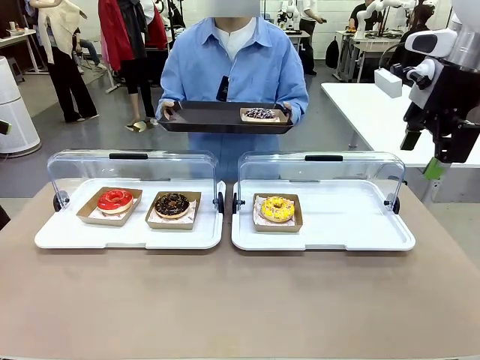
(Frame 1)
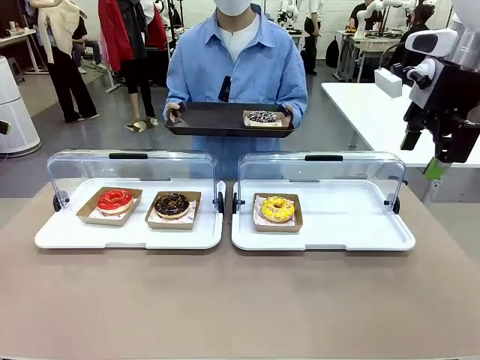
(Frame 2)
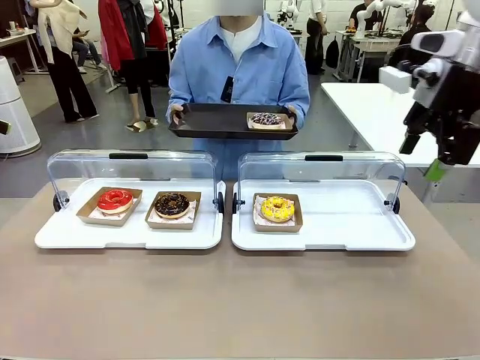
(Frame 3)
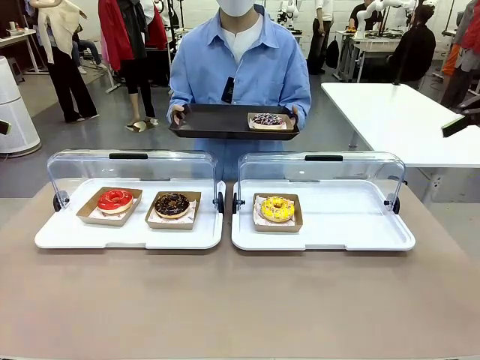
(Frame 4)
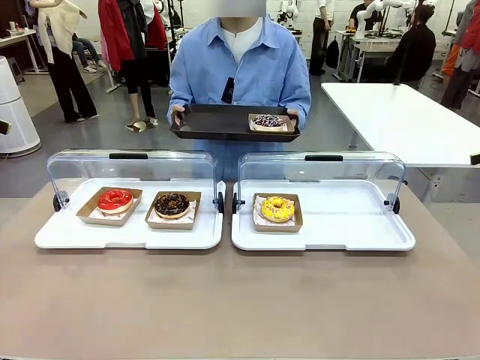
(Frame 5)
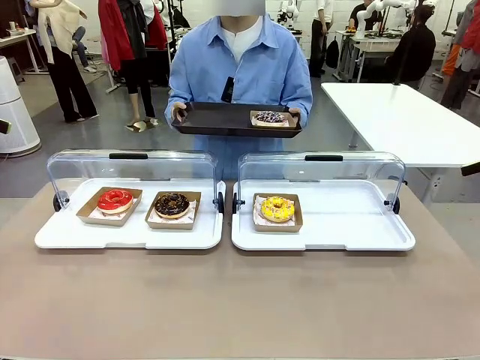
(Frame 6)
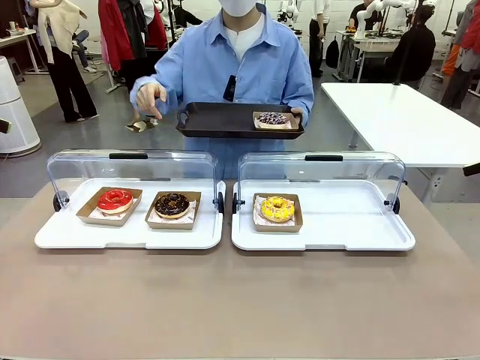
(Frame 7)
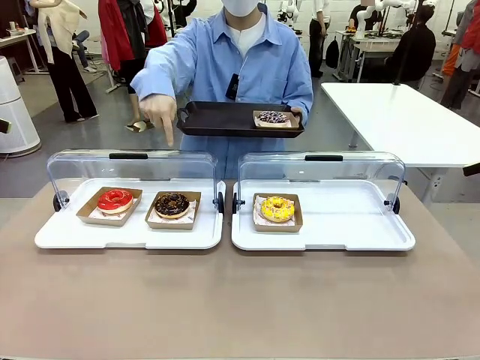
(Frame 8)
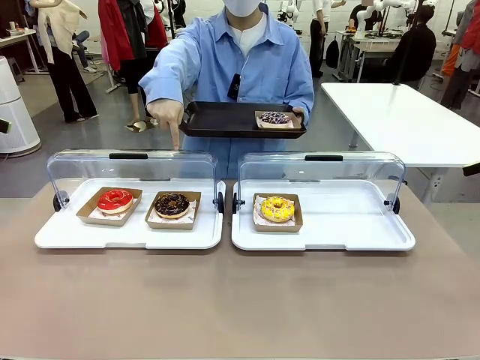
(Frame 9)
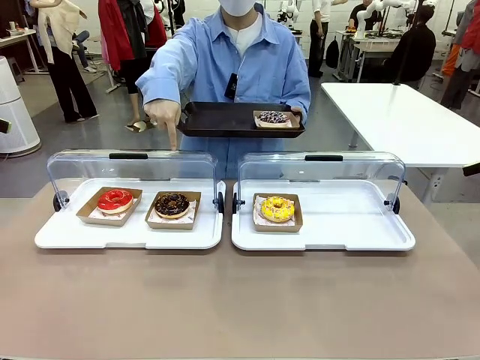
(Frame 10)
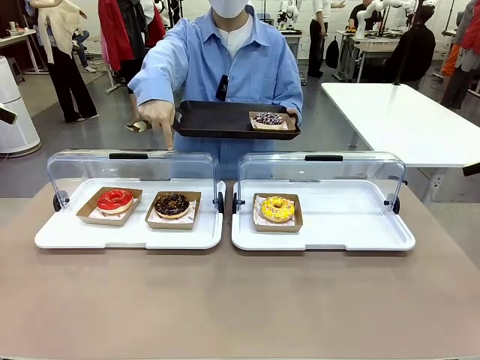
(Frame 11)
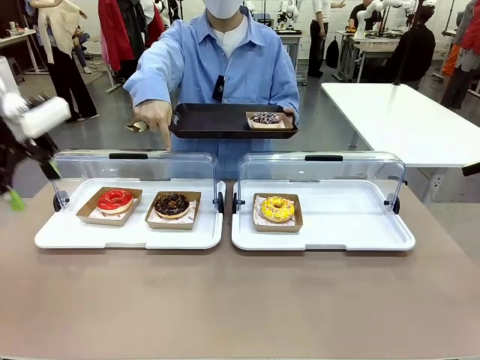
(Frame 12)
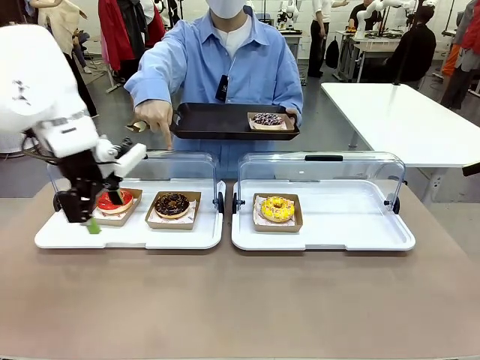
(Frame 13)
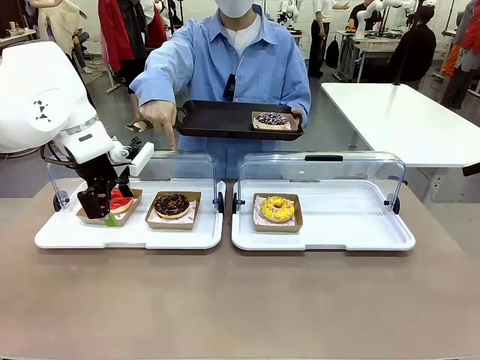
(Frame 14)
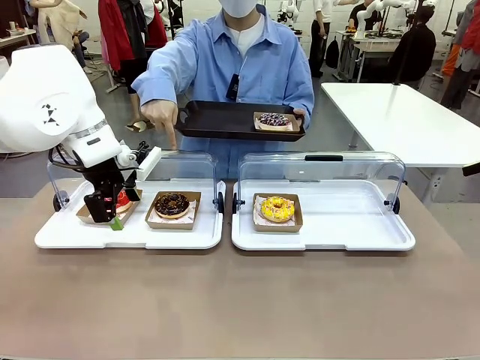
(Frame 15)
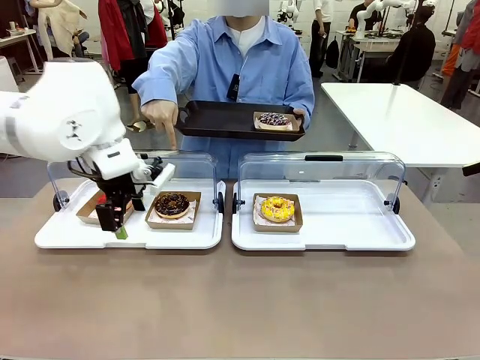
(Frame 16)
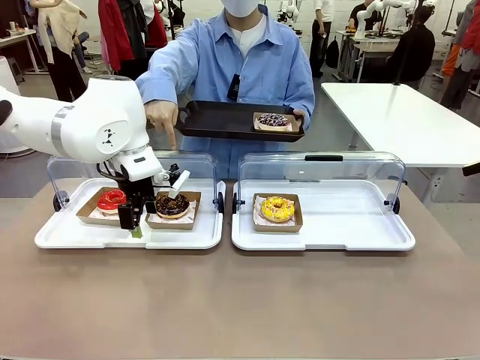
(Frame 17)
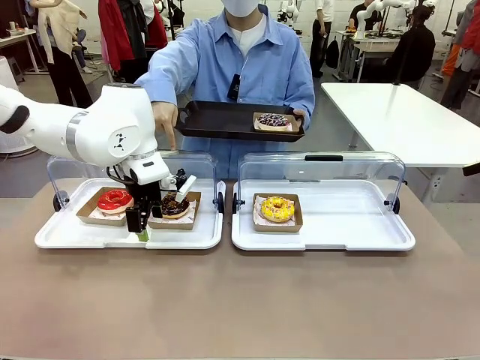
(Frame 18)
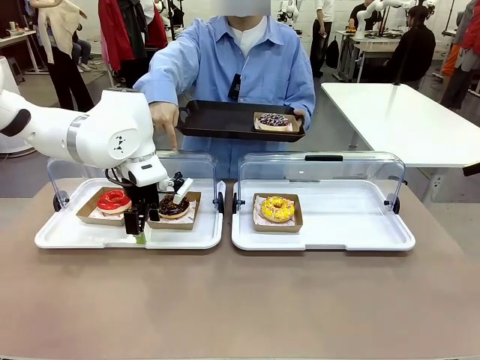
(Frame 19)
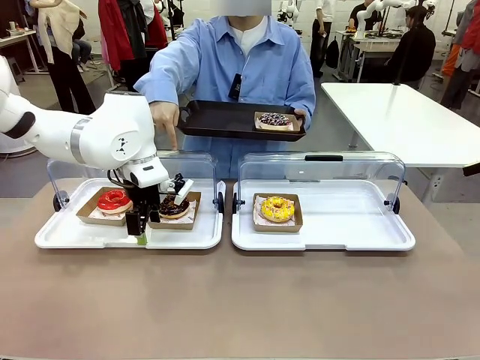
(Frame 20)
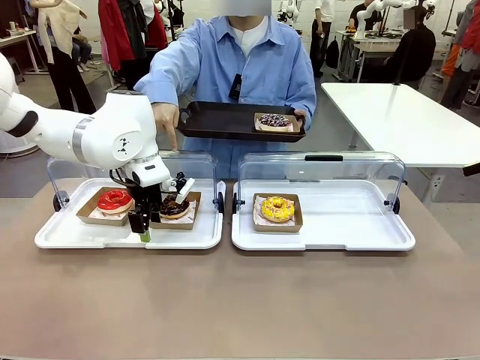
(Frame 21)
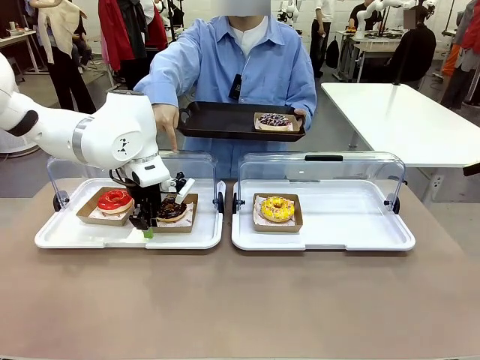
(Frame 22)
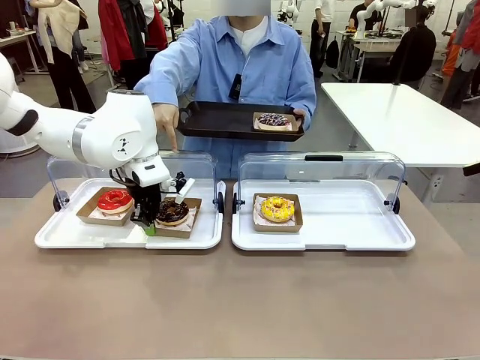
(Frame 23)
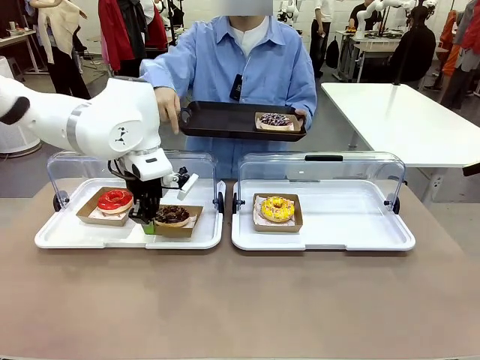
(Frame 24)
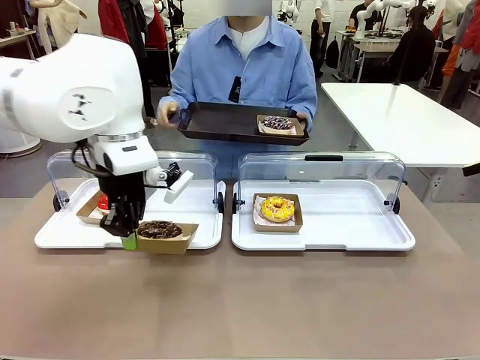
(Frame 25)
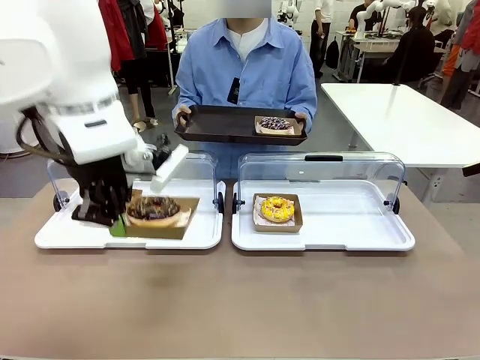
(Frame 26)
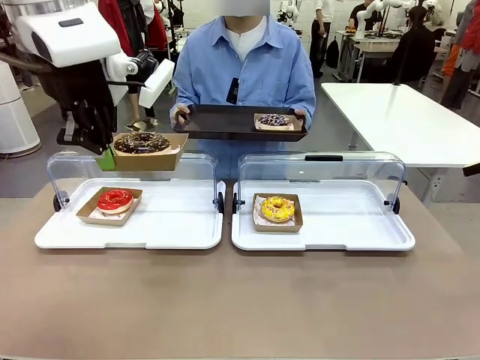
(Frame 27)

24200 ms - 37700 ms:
Task: Provide the desired donut to the person.
Robot: Pick up and lift the Paper togo box containing the Donut pointed at by the person.
Person: Point to one donut. Lift the tray onto the Roll-Top Bakery Case.

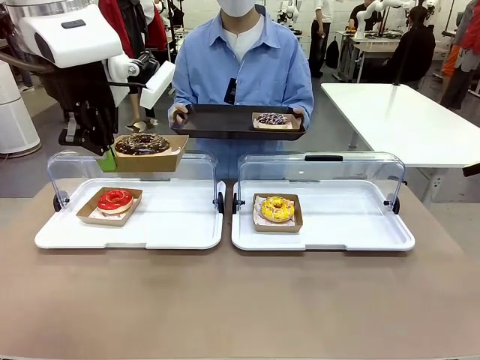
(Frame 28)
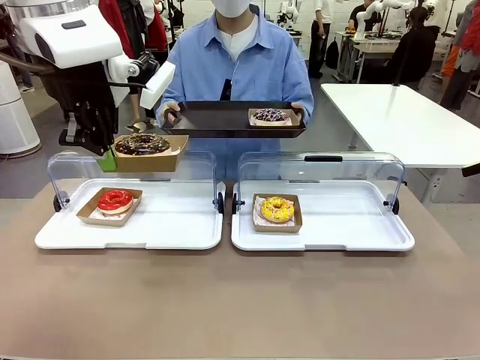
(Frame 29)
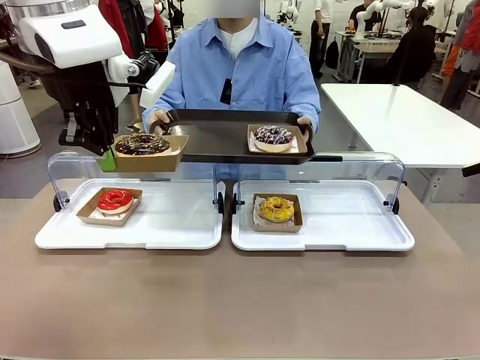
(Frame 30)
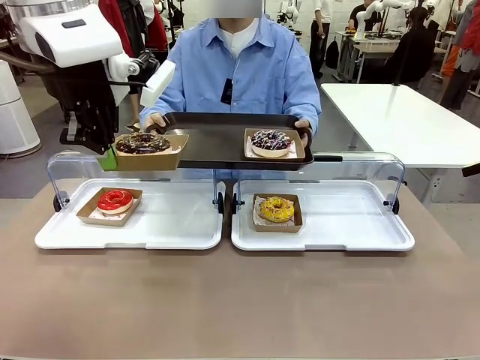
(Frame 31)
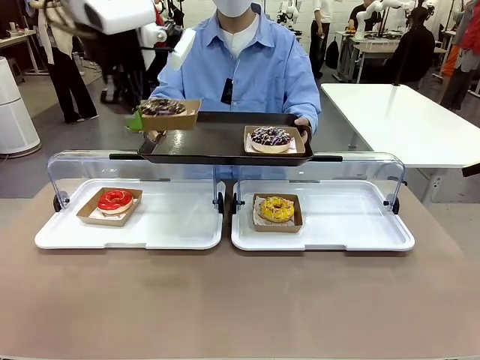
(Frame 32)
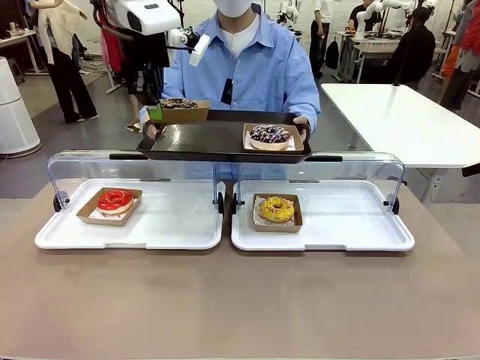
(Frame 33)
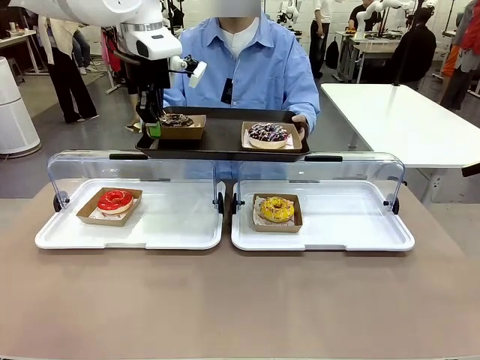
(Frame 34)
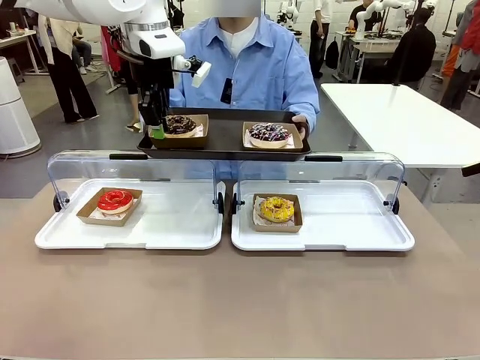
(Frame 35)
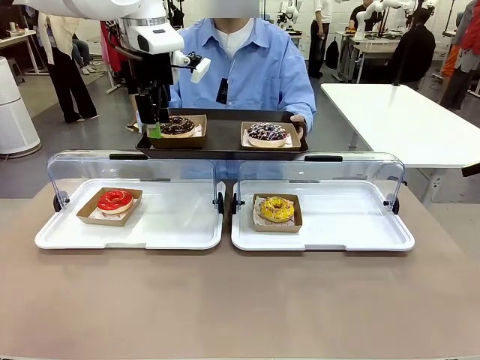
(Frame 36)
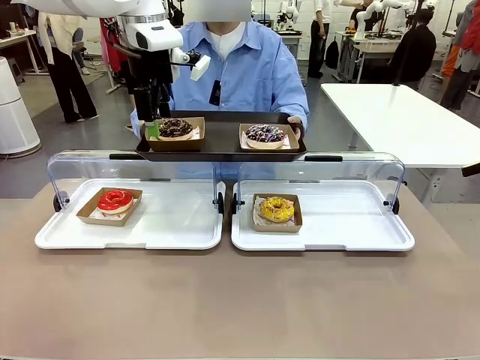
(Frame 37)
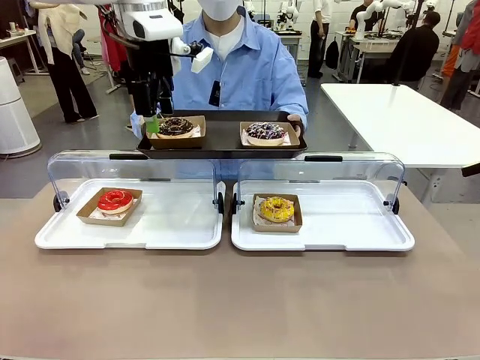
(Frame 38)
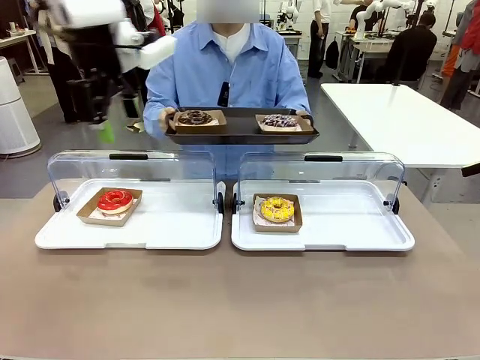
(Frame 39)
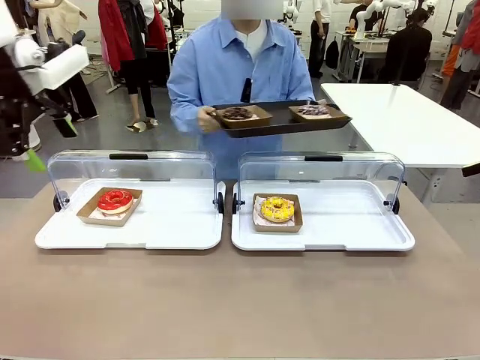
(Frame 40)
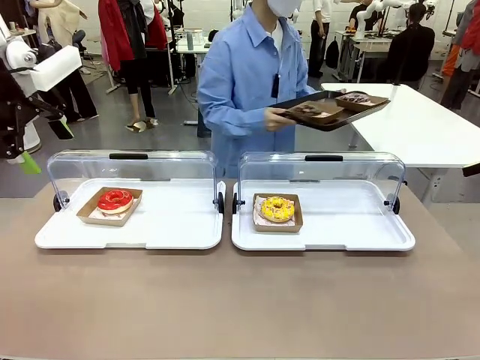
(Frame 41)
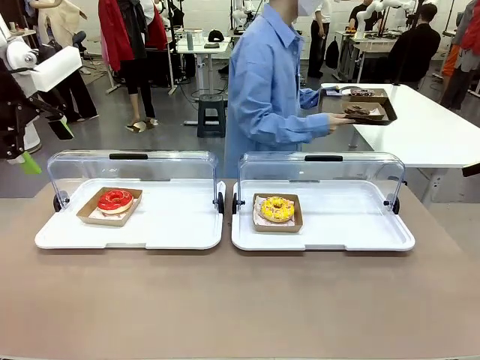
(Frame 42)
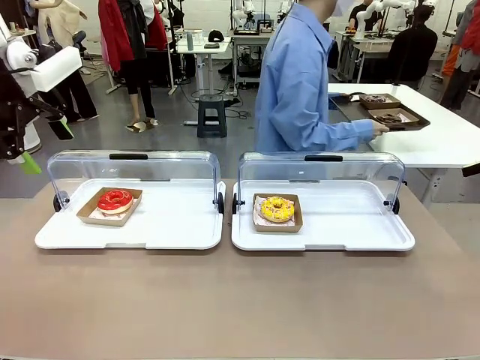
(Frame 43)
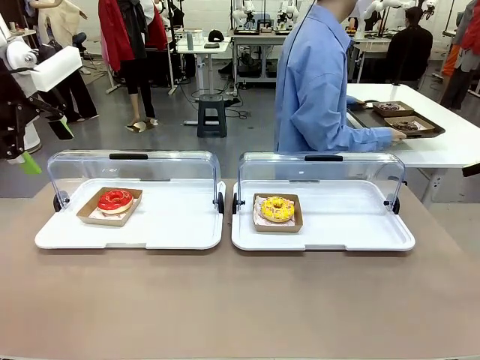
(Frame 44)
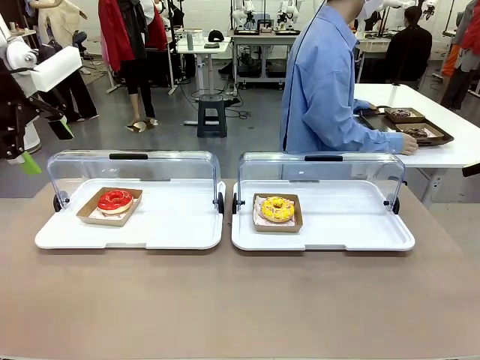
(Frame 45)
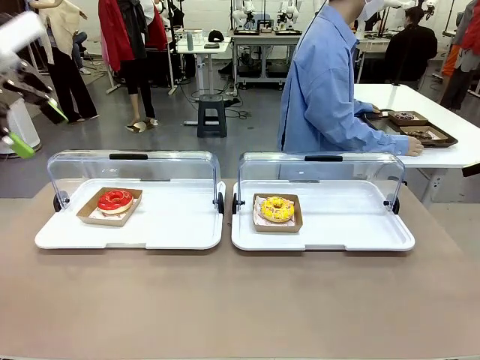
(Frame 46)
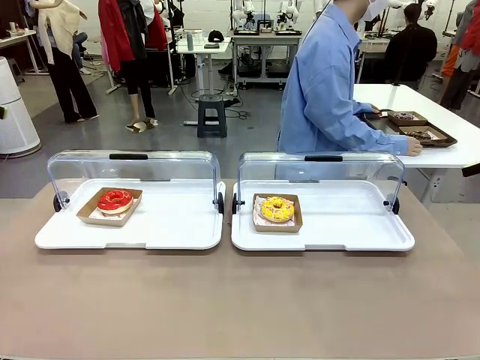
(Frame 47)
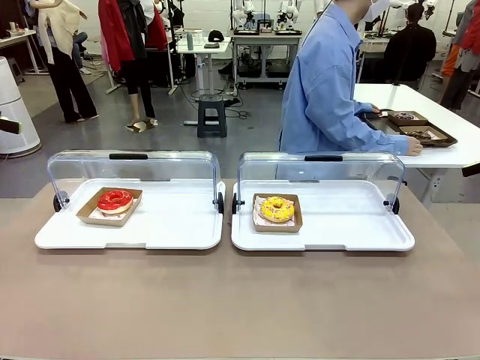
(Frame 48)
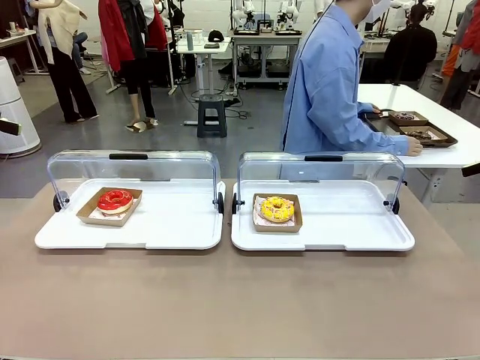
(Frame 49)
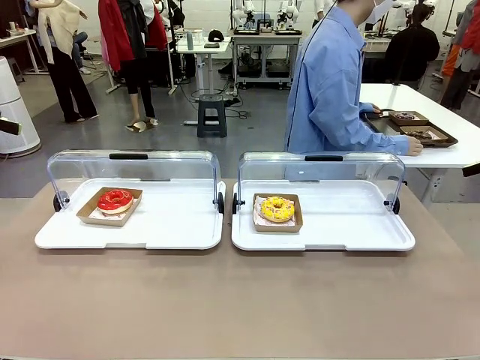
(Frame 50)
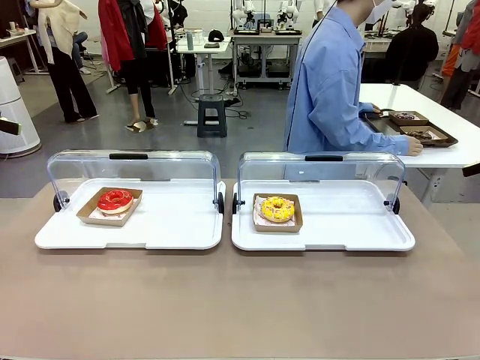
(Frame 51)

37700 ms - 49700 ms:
Robot: Place the picked Paper togo box onto the Handle tray extended by the person.
Person: Place the tray in the middle of the human table.
